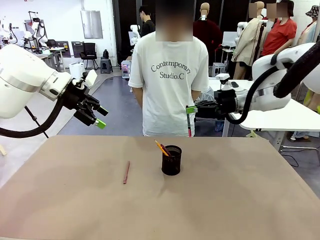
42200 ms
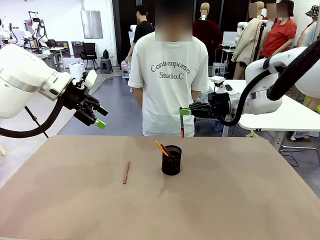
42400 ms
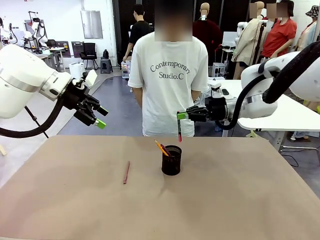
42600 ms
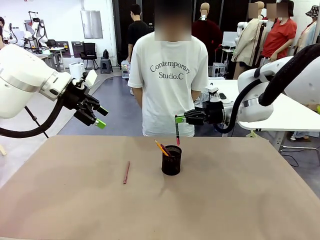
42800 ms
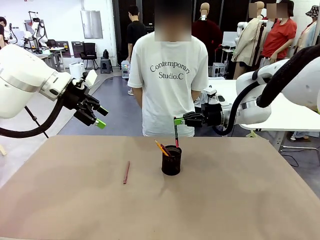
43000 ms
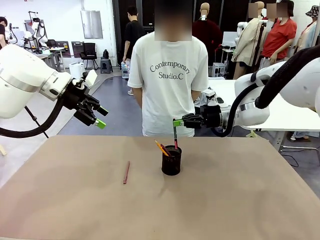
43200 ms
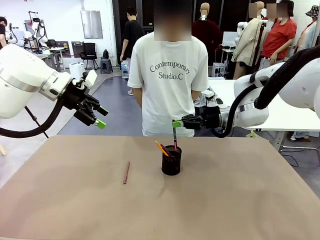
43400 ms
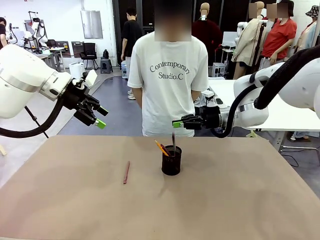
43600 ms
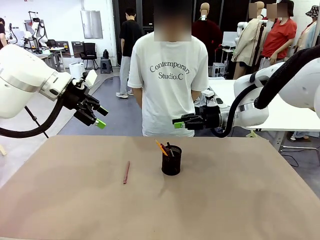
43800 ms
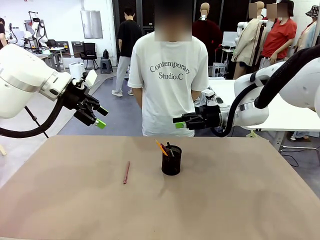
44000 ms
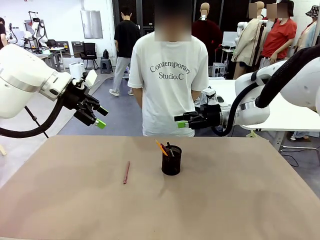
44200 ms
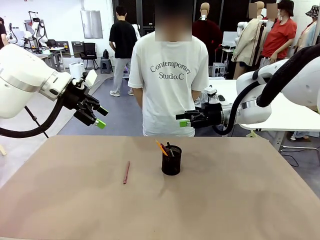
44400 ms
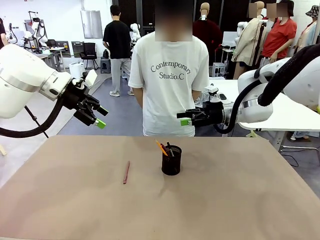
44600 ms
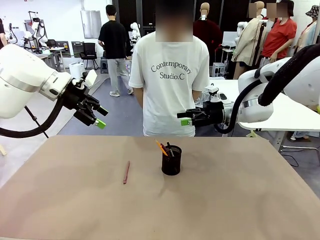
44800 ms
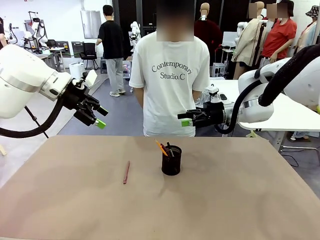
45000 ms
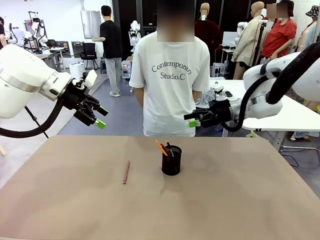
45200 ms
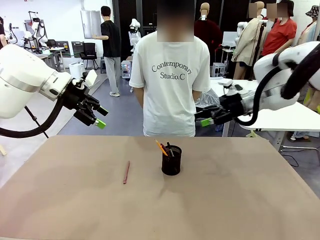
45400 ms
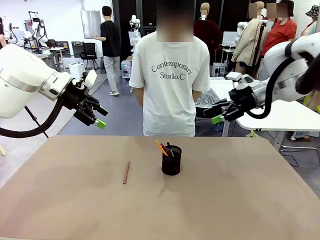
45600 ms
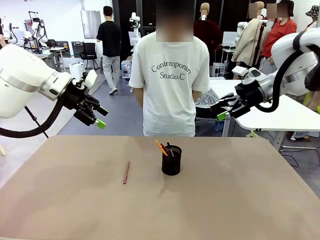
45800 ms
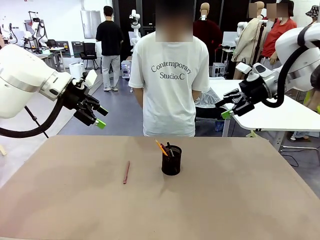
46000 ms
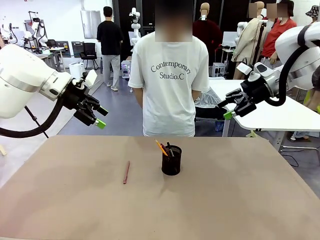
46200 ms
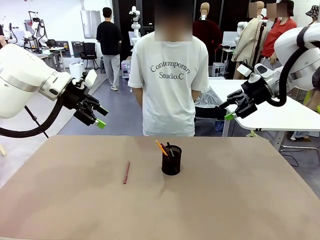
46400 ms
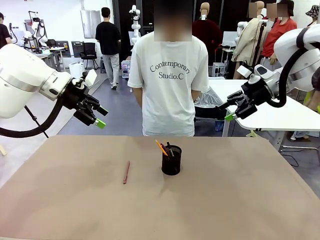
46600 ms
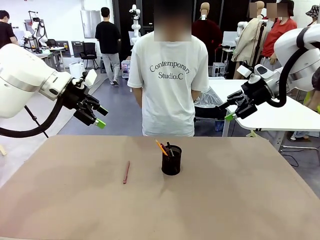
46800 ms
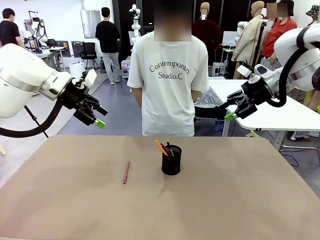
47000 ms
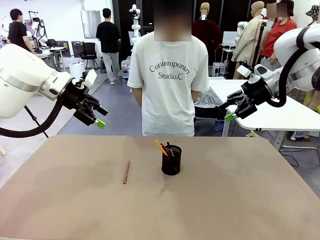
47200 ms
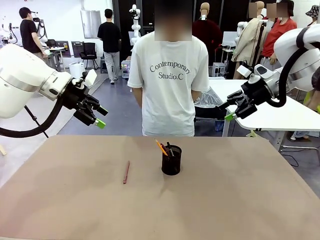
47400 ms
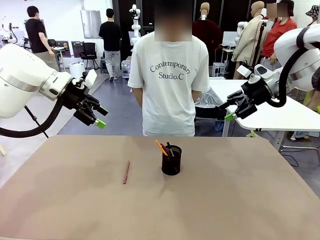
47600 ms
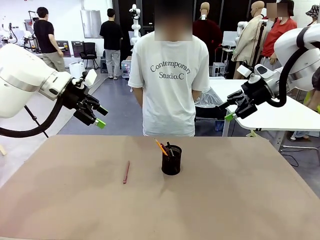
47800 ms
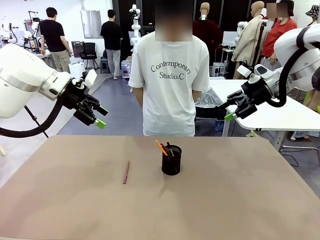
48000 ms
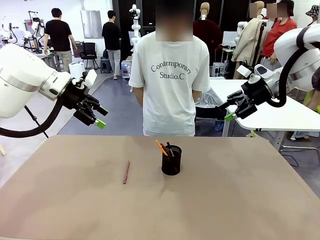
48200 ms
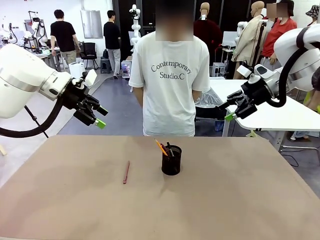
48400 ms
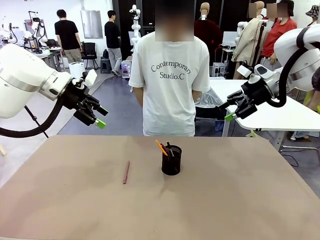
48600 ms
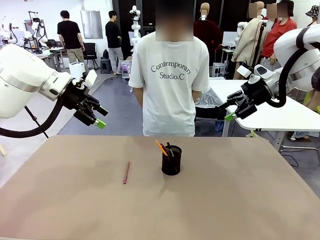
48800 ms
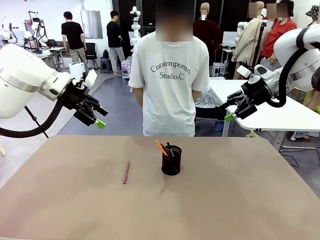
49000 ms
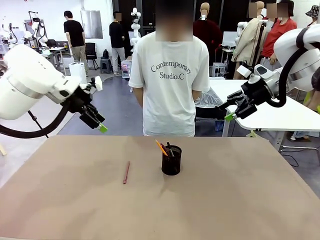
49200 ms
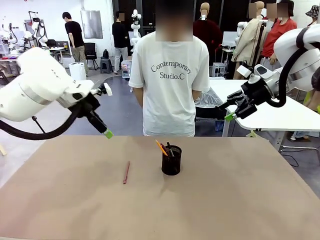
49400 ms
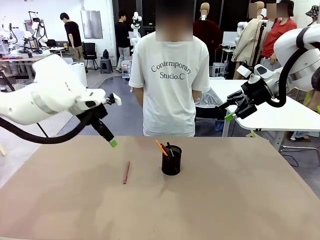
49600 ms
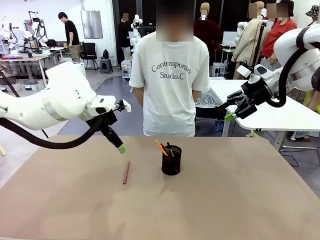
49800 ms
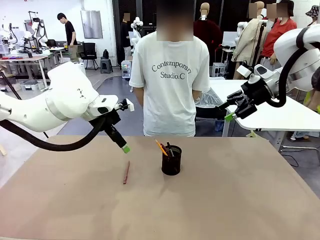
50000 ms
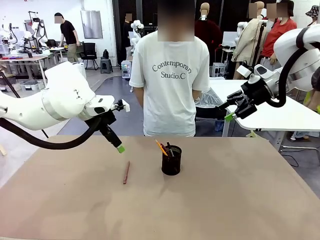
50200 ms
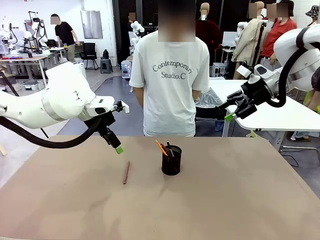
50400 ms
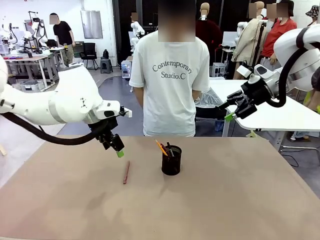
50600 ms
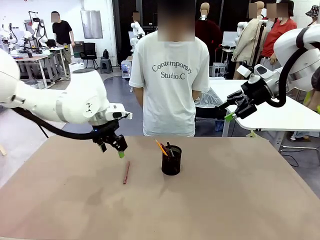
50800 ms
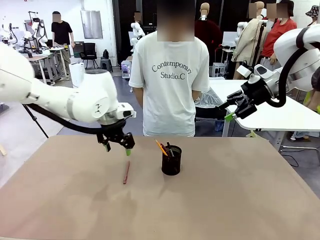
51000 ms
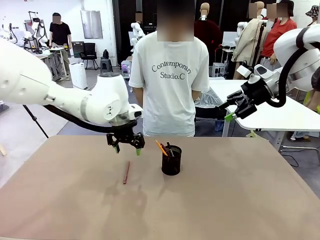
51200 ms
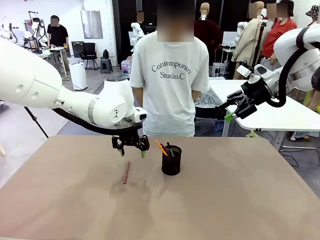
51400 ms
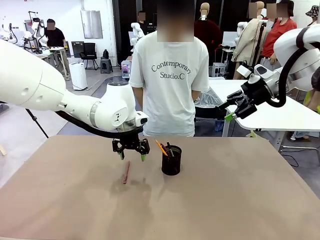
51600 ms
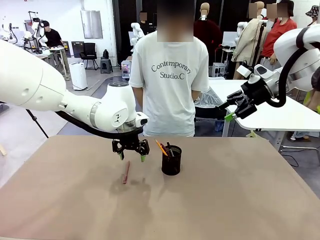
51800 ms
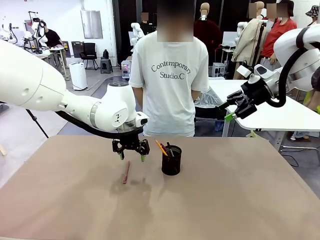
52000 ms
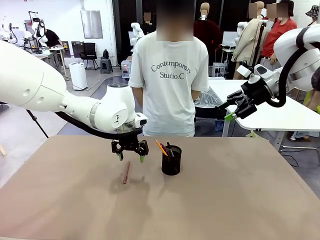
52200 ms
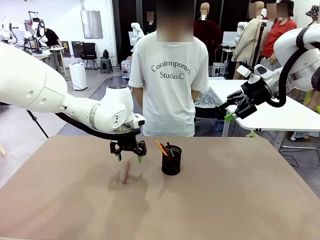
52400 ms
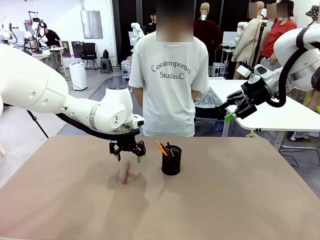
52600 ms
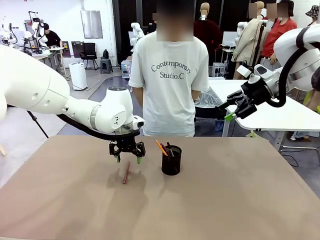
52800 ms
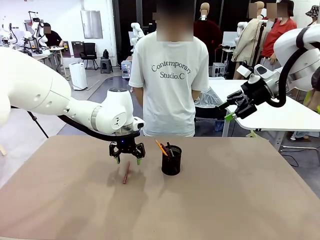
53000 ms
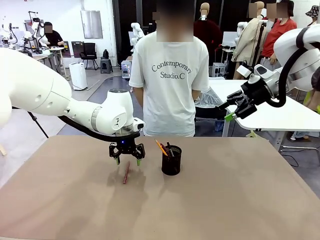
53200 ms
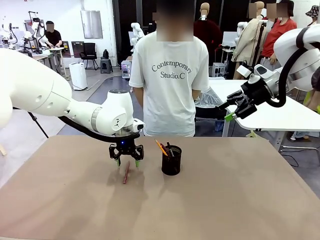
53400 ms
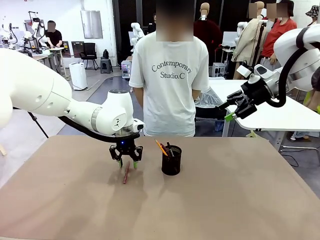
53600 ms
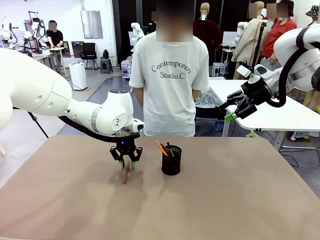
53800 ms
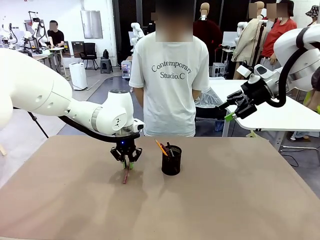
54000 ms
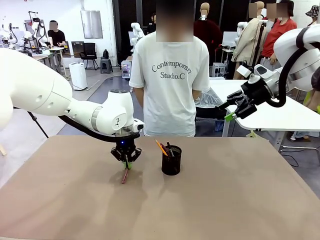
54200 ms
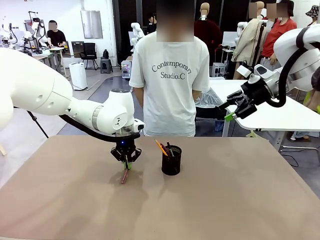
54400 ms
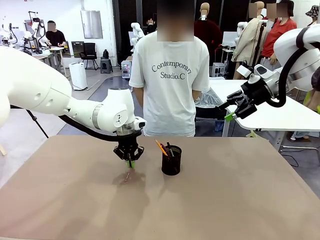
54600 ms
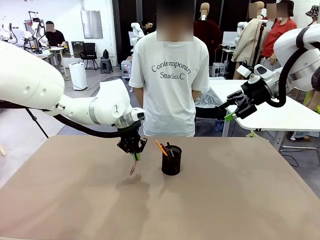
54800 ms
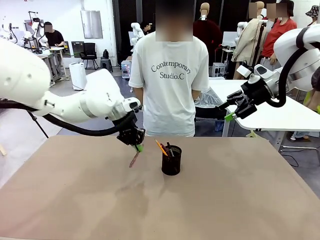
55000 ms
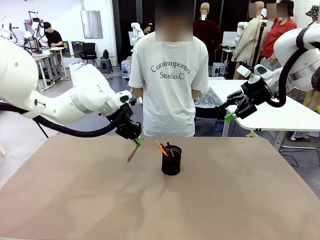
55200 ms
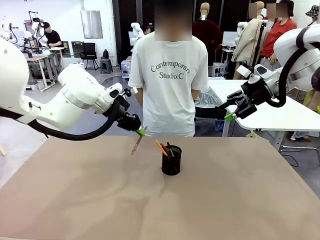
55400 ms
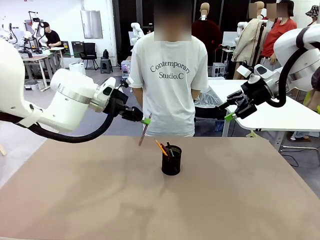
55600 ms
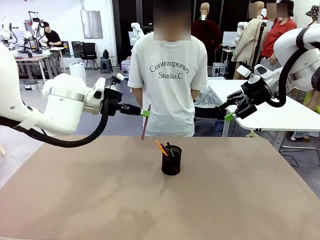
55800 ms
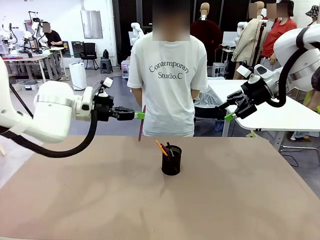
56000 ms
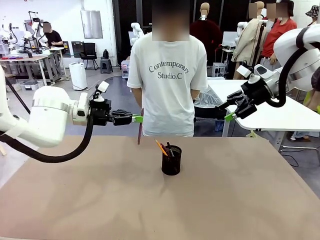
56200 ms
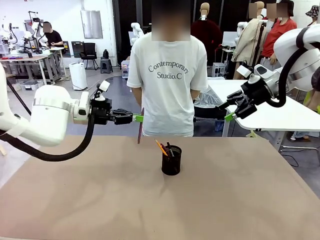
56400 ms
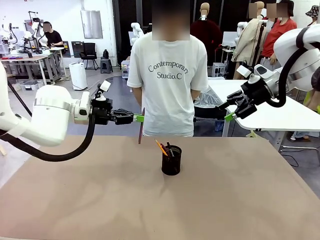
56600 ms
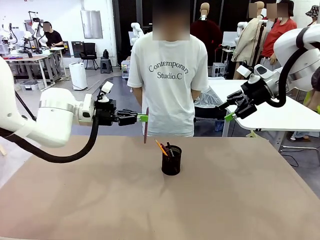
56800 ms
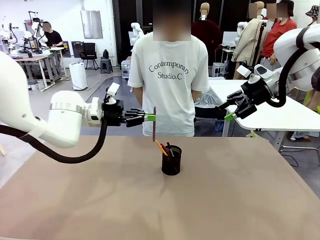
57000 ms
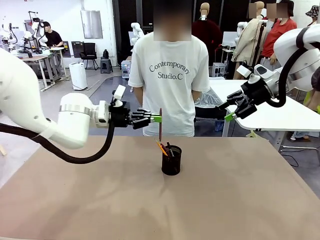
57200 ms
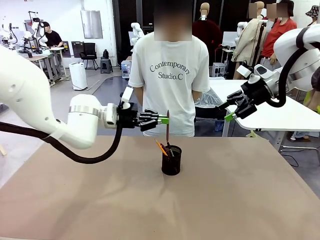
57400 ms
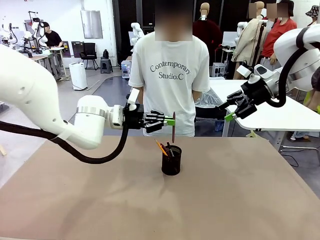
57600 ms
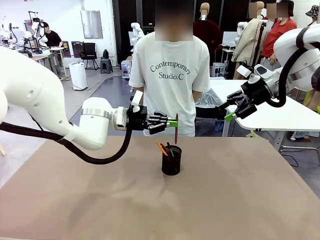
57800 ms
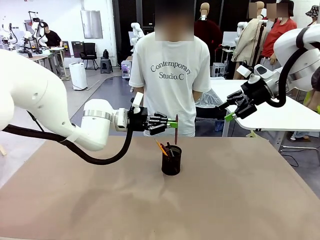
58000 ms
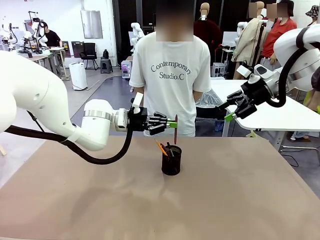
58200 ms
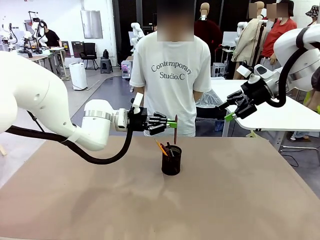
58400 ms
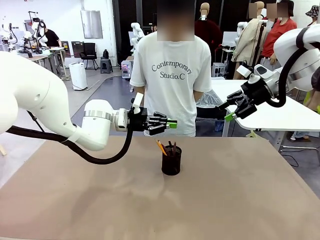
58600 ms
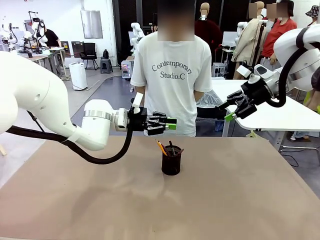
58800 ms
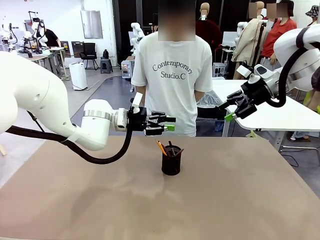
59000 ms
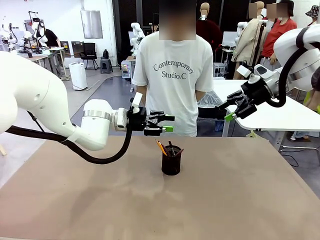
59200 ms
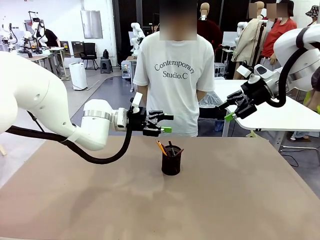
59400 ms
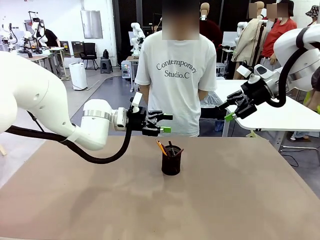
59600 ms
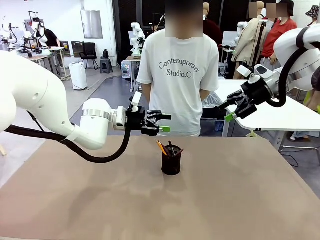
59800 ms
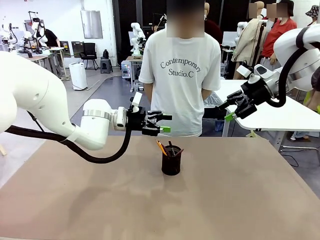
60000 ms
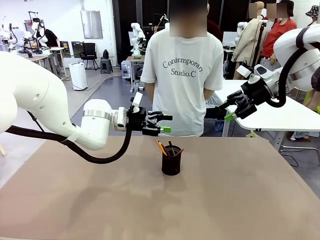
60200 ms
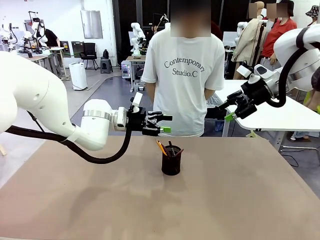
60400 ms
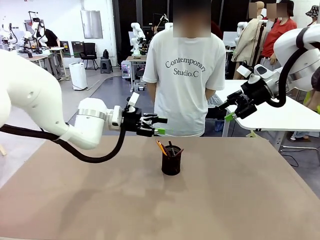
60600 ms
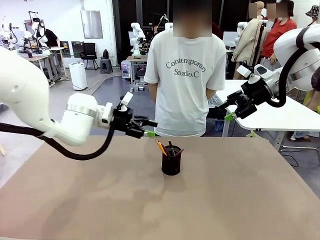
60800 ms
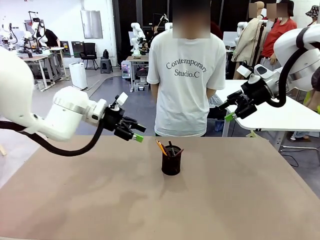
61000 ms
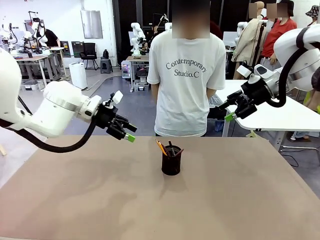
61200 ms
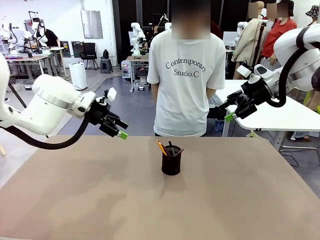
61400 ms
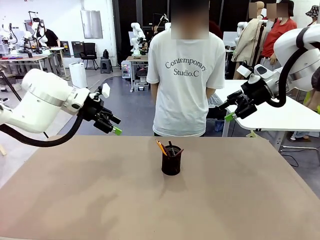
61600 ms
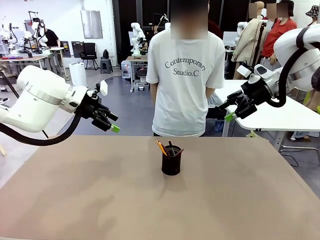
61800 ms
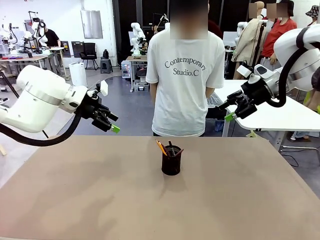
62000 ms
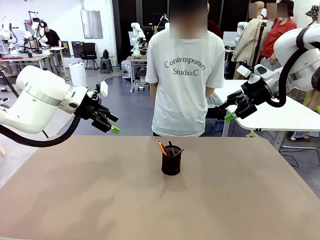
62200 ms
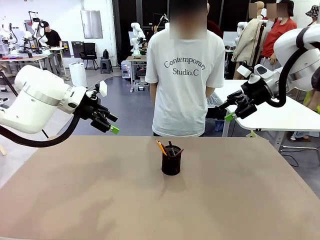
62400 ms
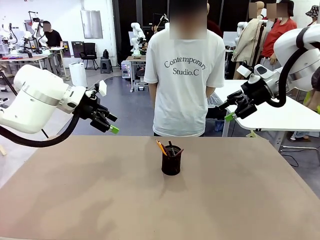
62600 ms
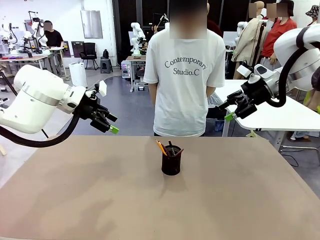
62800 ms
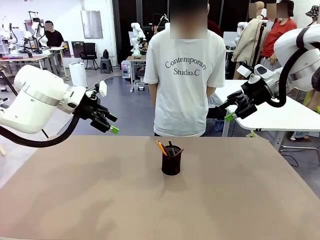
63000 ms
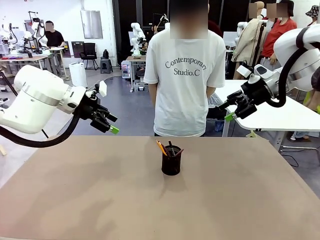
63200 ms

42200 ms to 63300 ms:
Task: Place the pens into the pen holder.
Robot: Pick up a writing instrument from the table and place it into the Pen holder.
